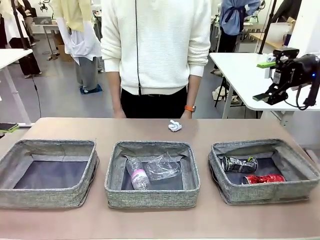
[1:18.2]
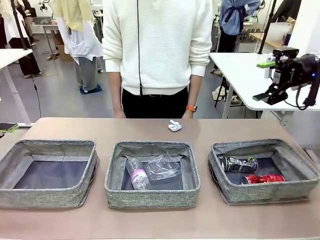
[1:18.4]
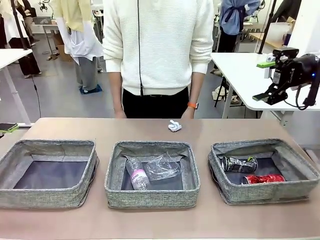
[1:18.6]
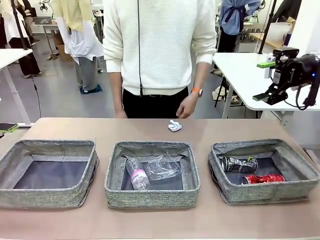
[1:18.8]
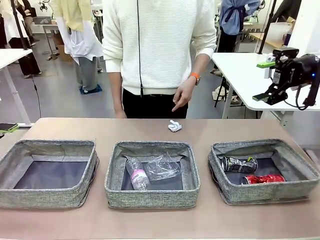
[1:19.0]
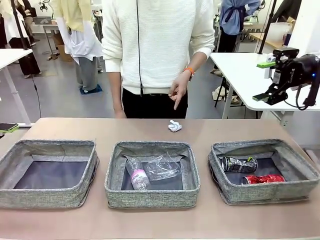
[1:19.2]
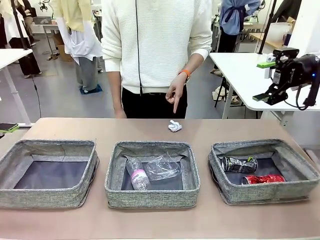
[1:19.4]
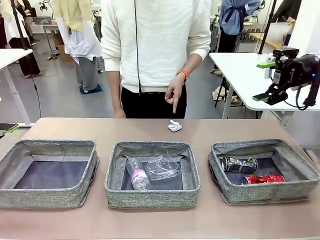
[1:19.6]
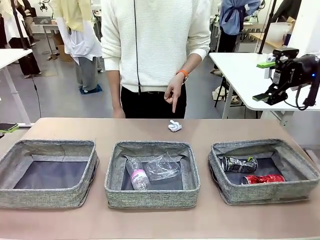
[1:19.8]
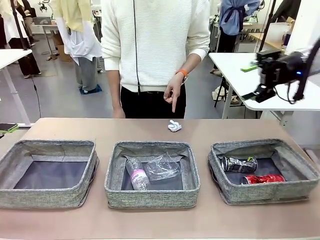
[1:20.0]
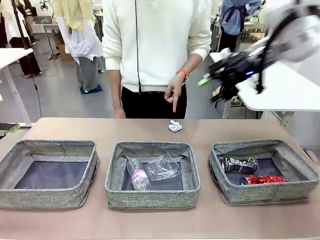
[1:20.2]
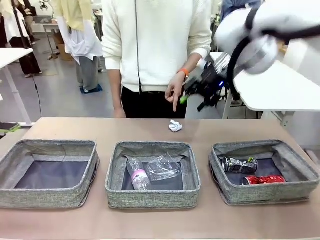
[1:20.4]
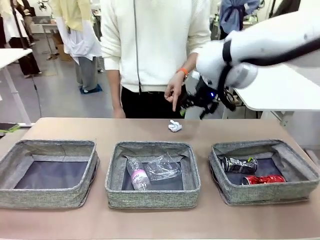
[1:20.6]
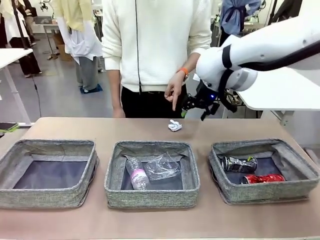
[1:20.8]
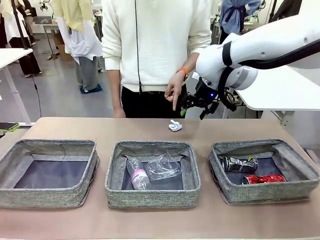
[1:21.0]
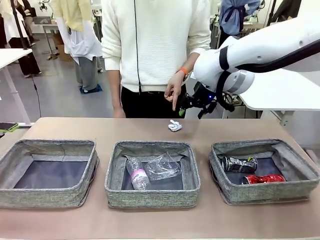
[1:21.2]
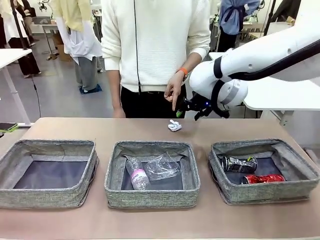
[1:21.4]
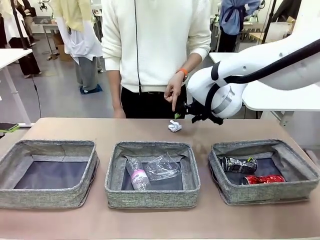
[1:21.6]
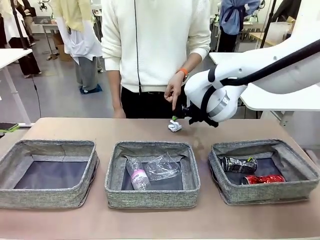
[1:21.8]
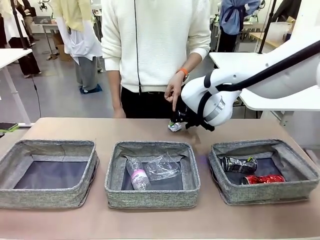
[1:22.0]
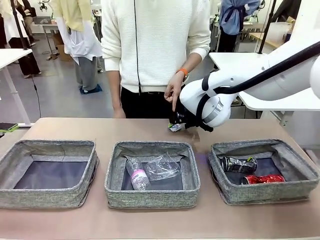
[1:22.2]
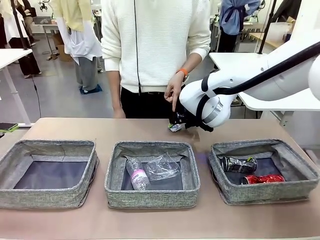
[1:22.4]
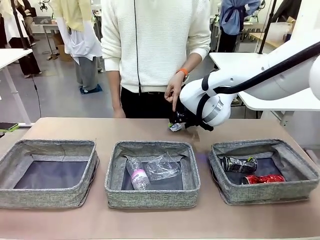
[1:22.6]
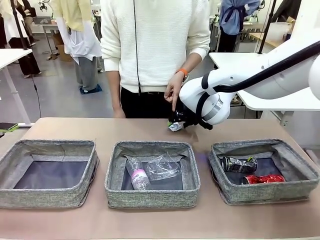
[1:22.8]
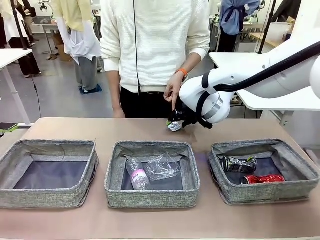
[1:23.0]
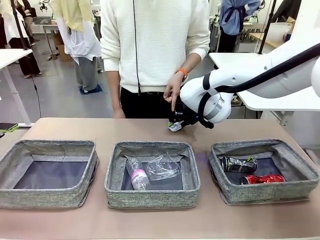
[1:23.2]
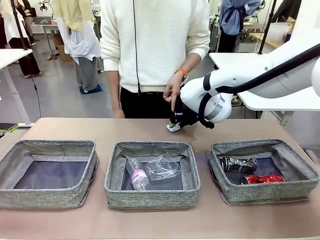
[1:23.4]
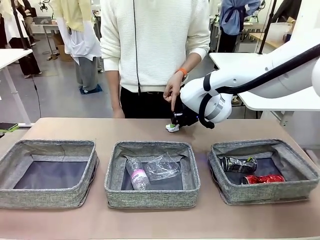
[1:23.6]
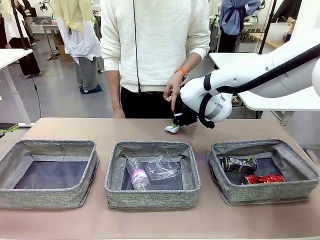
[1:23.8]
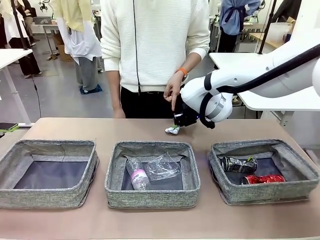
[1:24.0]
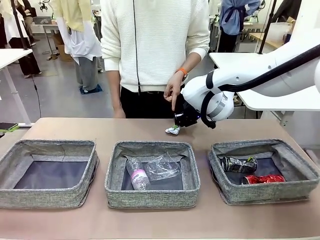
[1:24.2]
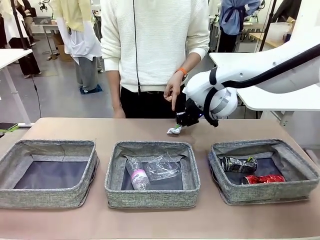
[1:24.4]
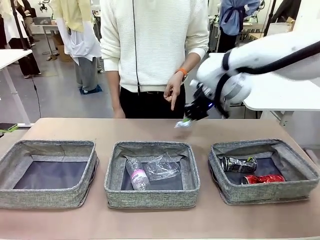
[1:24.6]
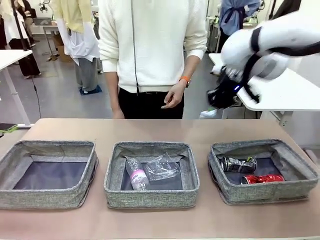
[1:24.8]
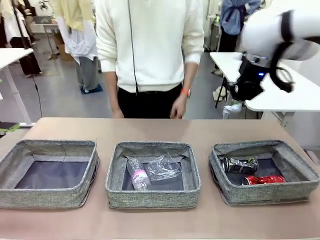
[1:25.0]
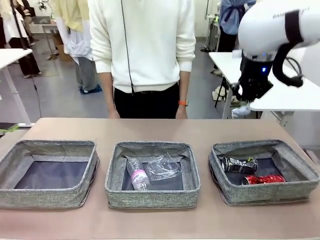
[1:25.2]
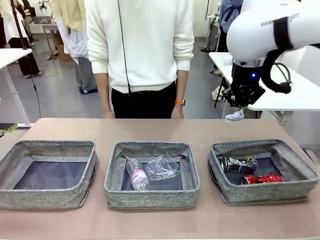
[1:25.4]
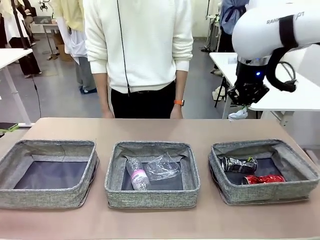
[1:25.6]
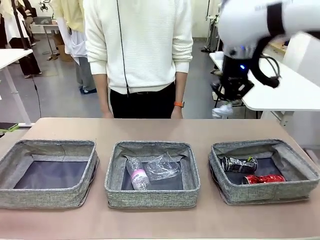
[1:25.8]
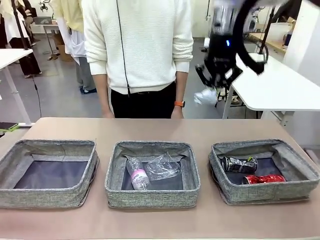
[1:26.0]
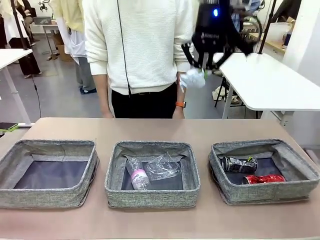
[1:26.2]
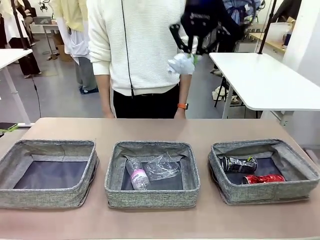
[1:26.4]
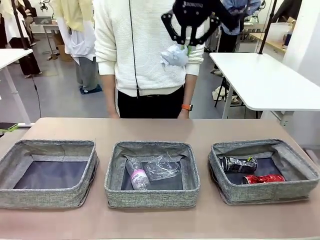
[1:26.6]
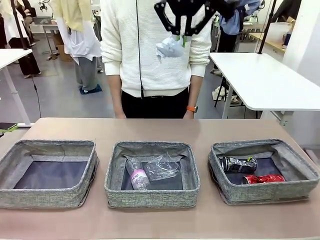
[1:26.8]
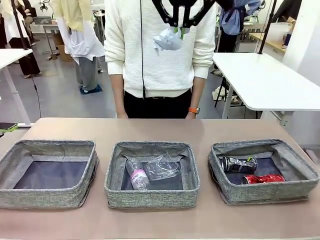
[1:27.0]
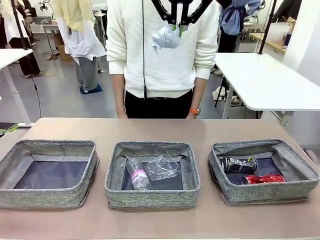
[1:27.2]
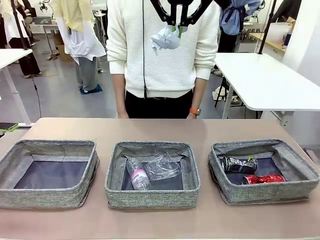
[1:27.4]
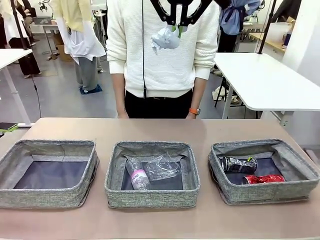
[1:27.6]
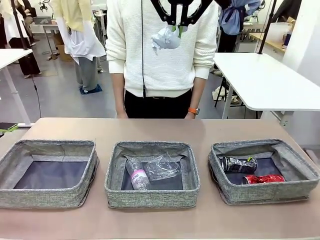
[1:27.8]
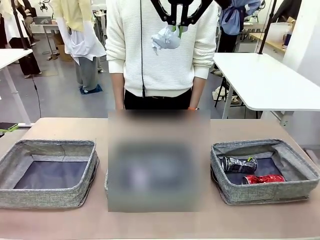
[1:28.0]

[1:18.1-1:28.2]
Task: Sort the waste into the appropriate baskets.
Robot: Pick up the waste item pointed out by the person.
Person: Points to one piece of trash on the table.

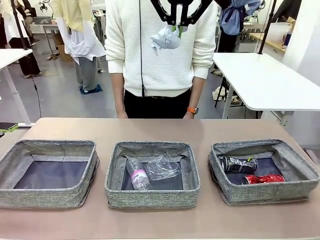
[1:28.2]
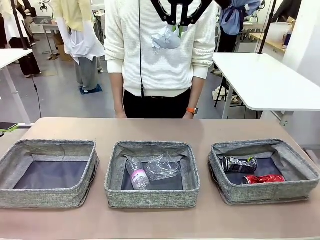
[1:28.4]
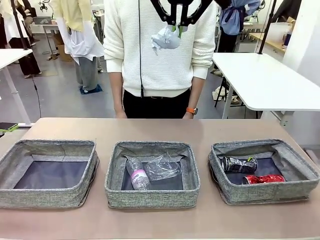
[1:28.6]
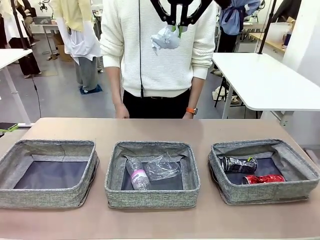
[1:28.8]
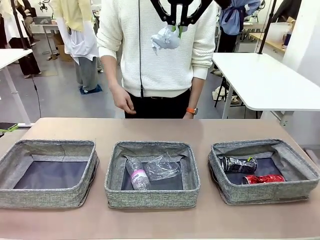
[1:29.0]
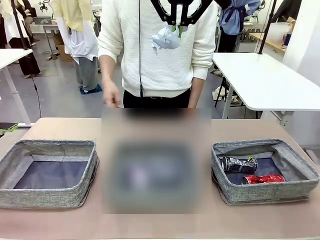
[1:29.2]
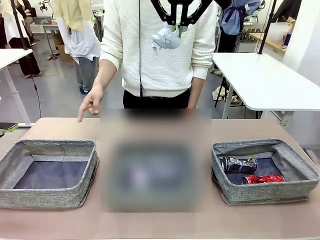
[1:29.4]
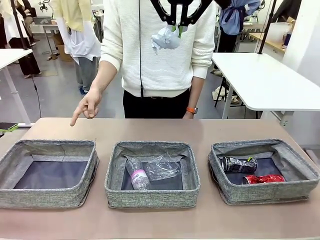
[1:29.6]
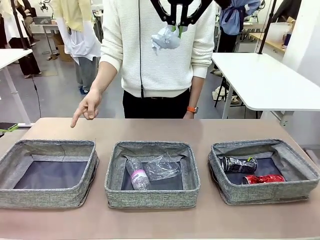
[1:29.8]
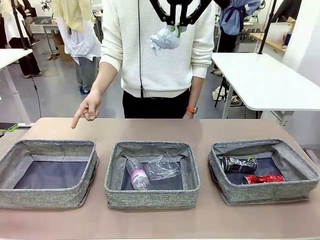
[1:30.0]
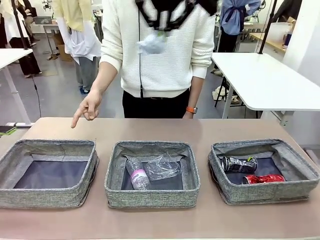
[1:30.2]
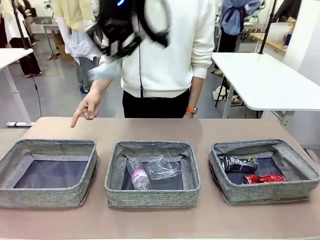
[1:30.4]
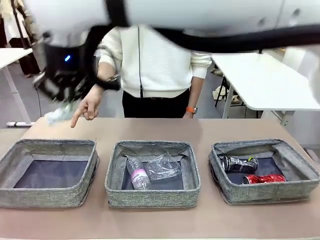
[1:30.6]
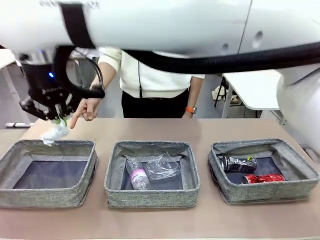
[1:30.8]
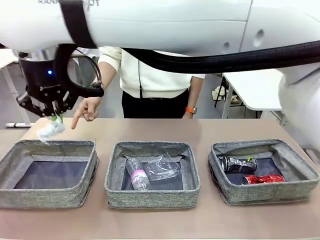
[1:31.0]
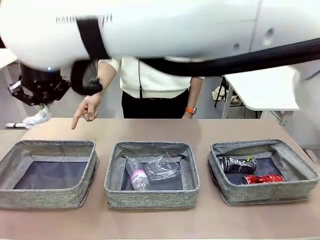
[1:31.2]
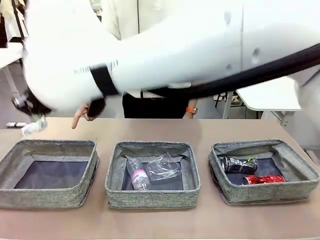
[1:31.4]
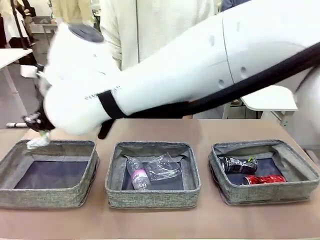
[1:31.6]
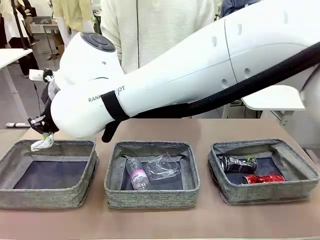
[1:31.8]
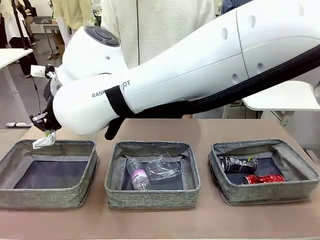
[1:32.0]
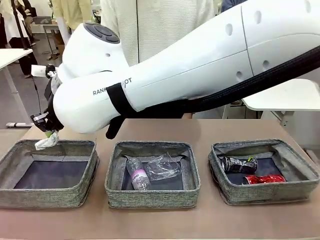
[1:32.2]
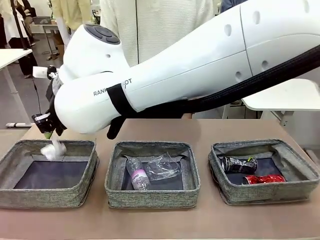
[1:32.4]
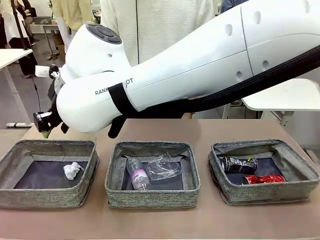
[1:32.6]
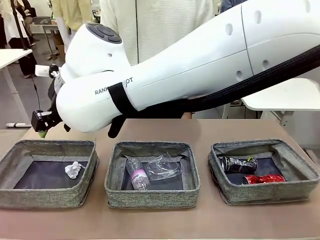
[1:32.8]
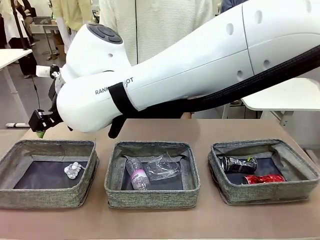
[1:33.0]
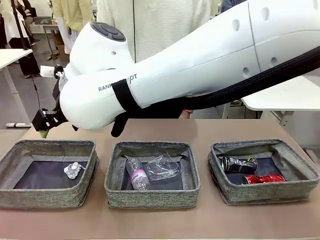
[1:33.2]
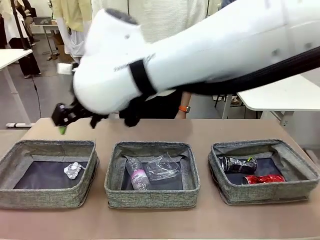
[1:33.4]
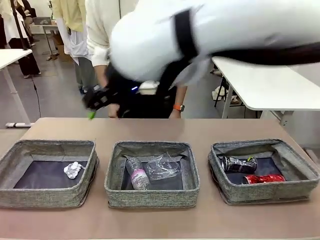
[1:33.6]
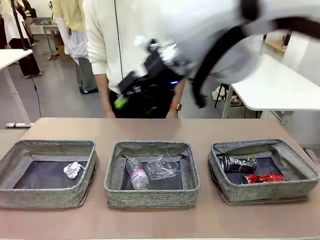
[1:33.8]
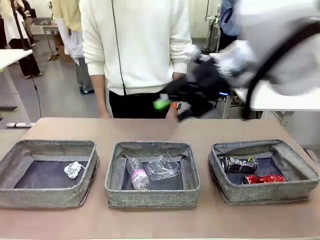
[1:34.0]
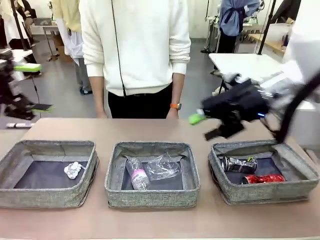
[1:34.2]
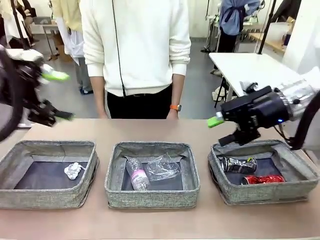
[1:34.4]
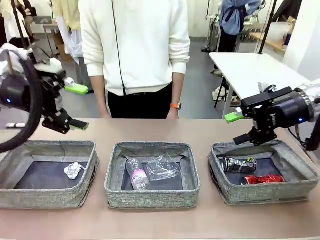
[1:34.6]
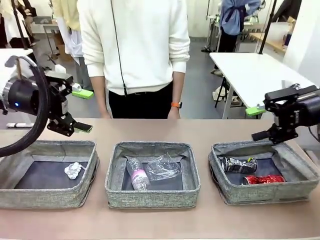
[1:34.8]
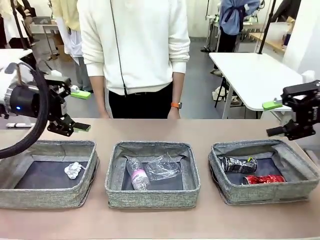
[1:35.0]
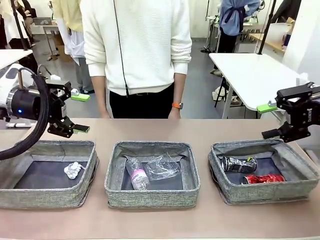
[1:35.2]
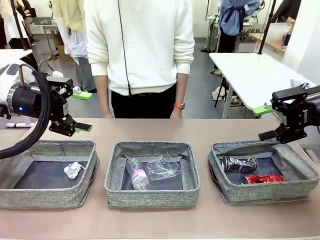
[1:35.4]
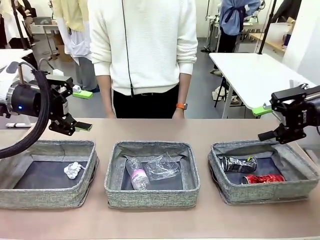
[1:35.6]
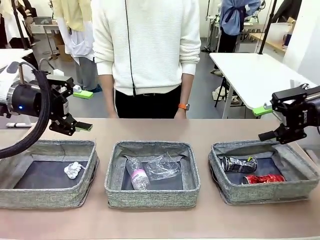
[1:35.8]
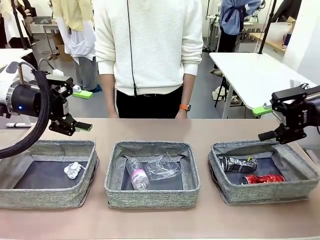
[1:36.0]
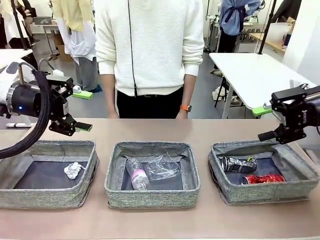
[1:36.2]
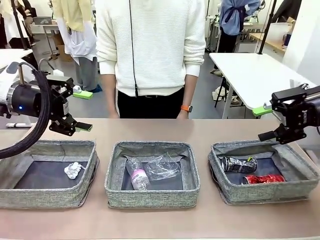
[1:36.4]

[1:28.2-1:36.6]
Robot: Place the picked waste into the Fabric basket indicated by the person.
Person: Instructs the robot to place the picked-up trash into the appropriate organizing basket.

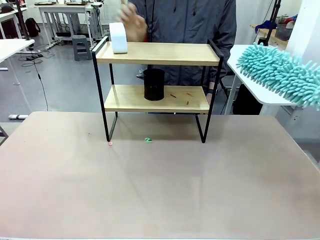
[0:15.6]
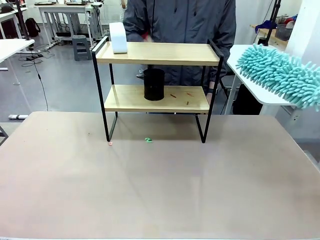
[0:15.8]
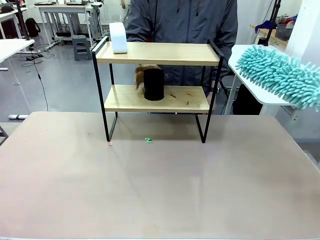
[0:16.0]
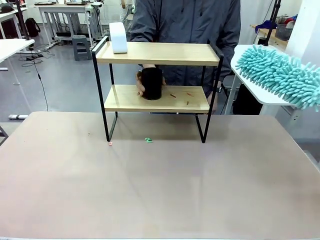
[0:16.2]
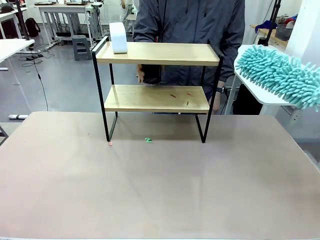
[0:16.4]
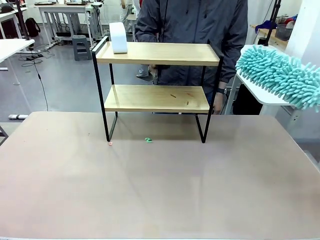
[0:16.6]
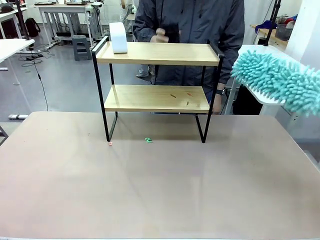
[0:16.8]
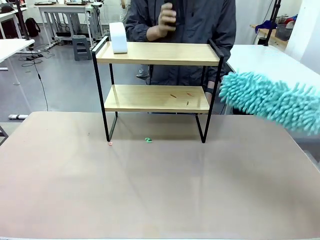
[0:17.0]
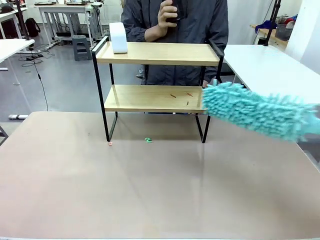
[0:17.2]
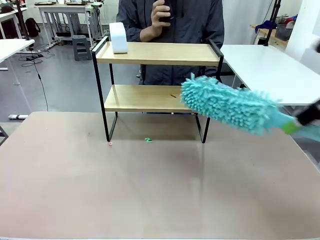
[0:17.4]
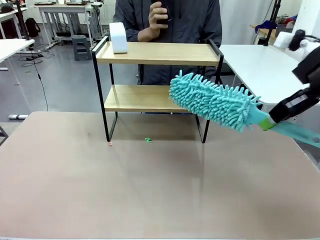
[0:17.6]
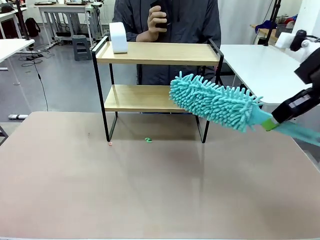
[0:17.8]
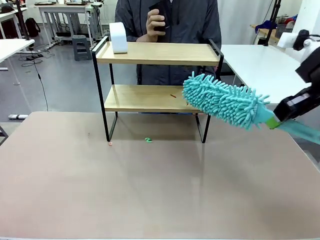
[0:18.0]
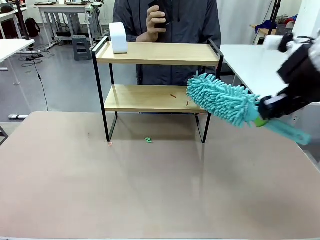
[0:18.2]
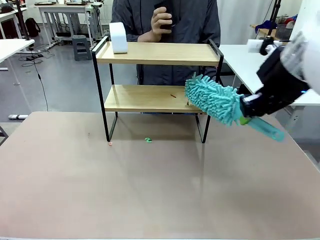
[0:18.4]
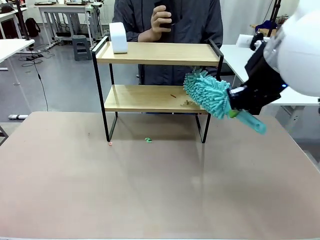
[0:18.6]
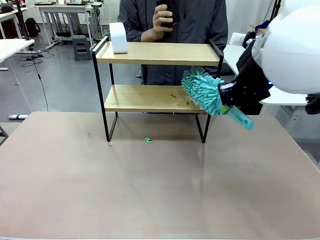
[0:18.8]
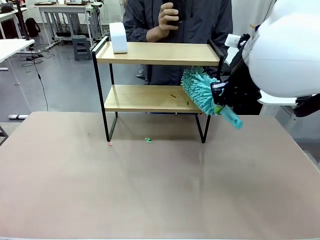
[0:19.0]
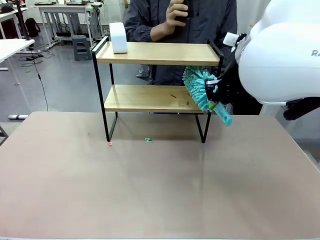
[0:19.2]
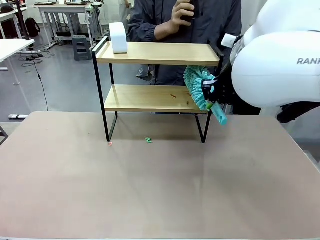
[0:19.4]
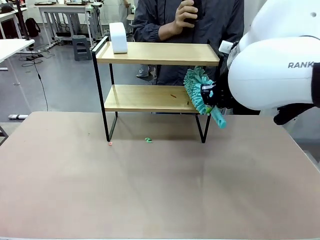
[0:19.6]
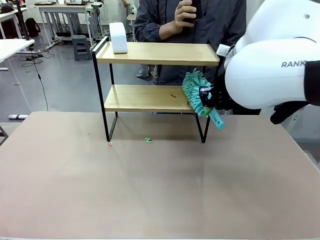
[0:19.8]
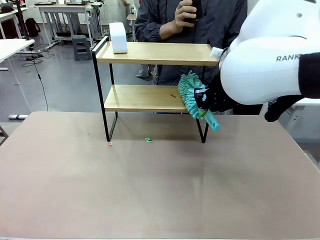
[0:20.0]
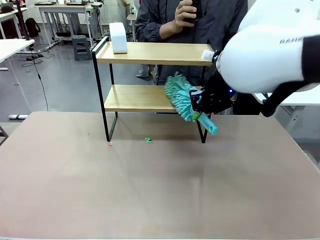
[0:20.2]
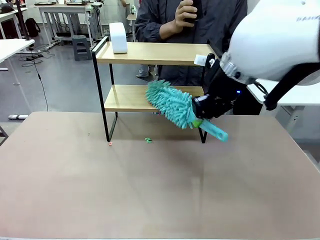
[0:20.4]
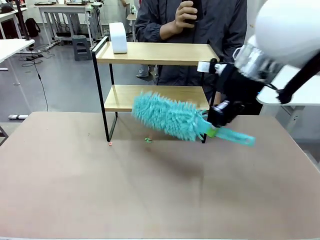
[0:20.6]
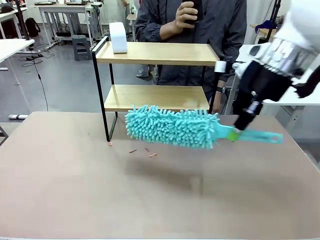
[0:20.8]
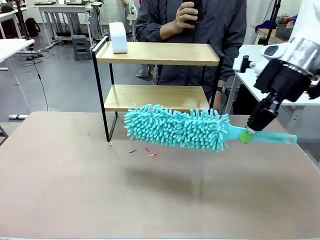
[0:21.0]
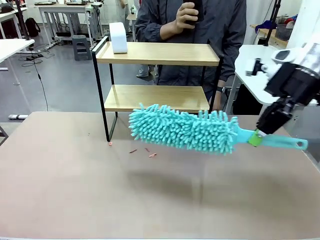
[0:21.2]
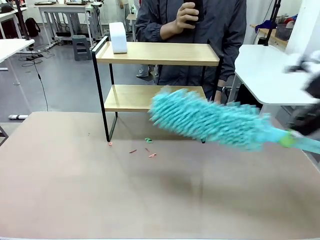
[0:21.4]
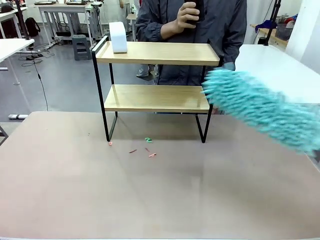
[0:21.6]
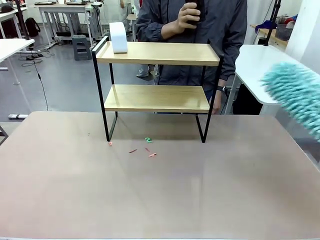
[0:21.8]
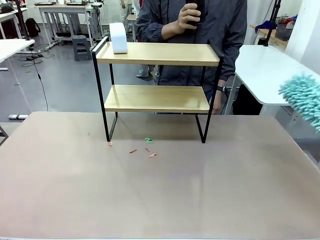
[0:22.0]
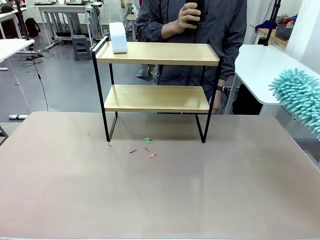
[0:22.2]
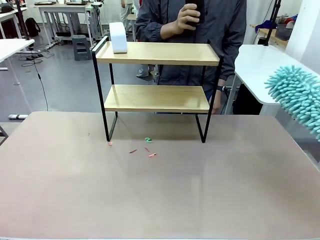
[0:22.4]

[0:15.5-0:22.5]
Task: Clean the shelf.
Robot: Clean the remaining tier of the Shelf with the Duster once objects are removed.
